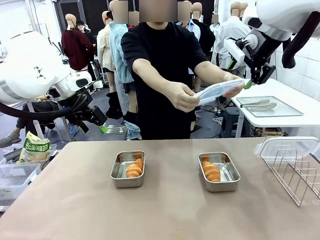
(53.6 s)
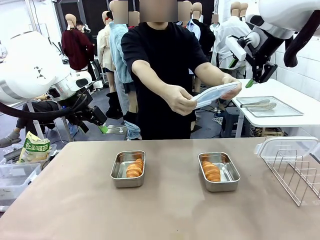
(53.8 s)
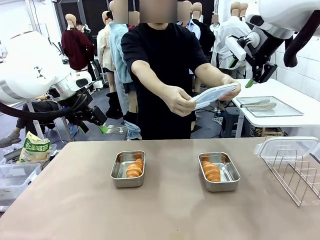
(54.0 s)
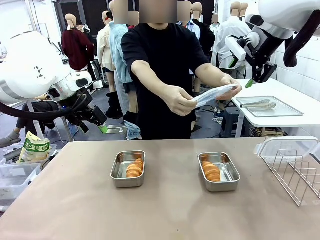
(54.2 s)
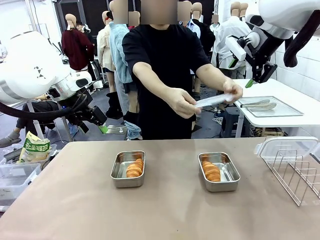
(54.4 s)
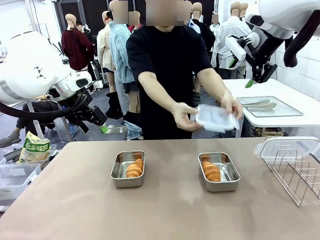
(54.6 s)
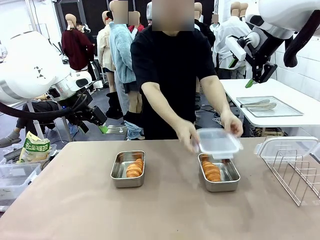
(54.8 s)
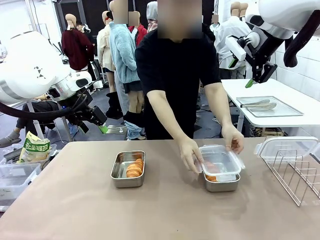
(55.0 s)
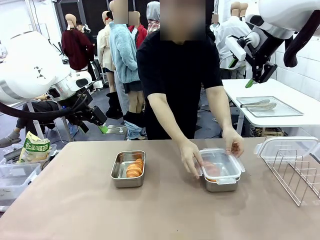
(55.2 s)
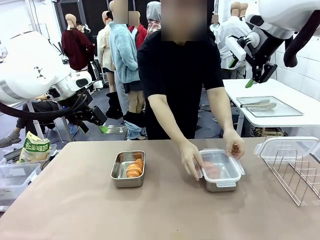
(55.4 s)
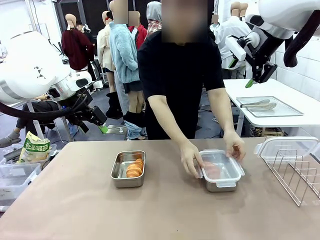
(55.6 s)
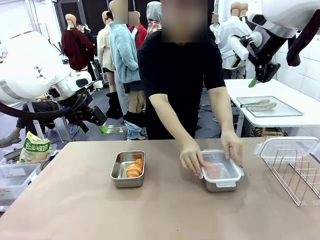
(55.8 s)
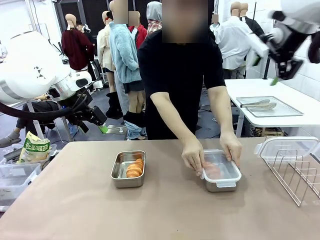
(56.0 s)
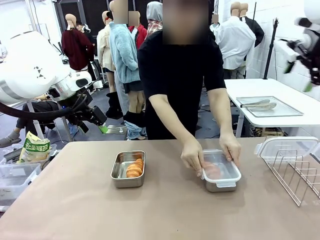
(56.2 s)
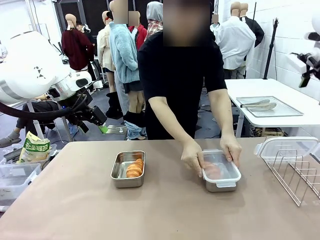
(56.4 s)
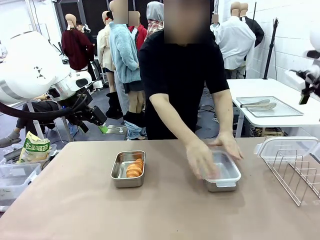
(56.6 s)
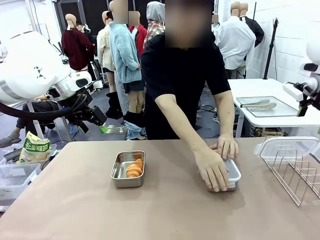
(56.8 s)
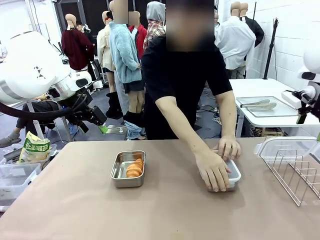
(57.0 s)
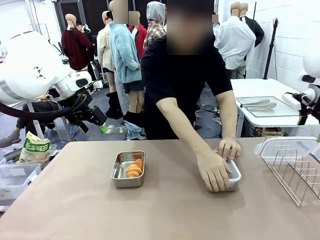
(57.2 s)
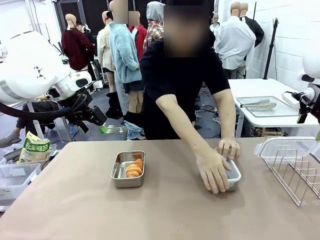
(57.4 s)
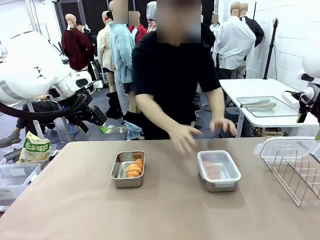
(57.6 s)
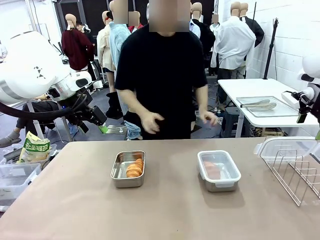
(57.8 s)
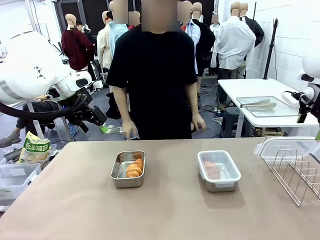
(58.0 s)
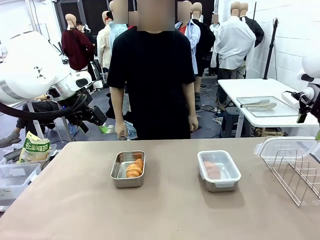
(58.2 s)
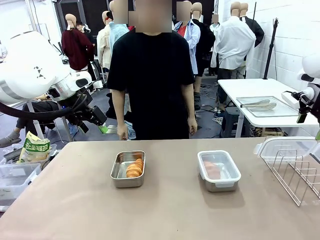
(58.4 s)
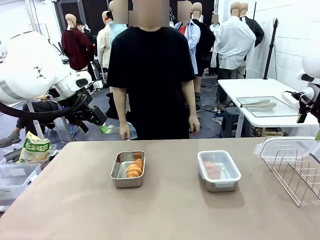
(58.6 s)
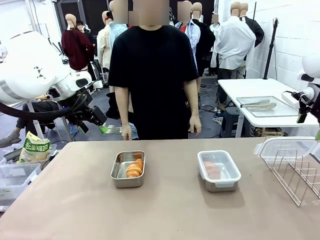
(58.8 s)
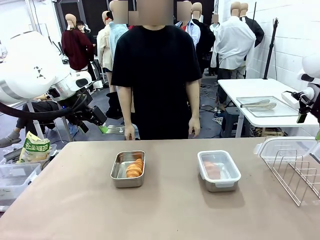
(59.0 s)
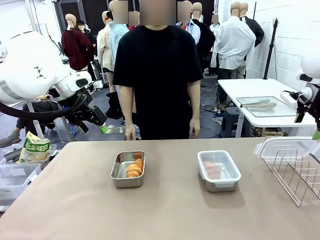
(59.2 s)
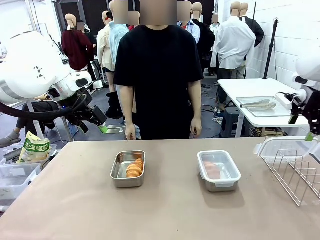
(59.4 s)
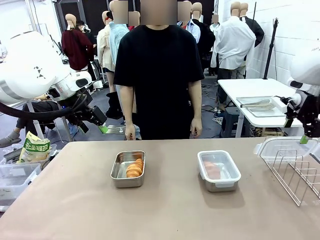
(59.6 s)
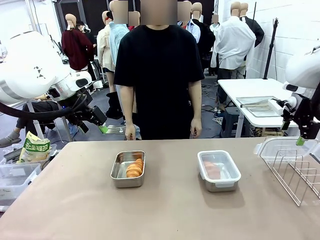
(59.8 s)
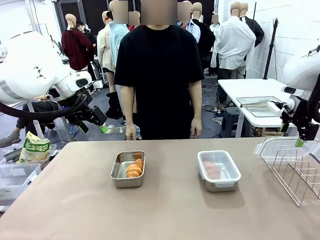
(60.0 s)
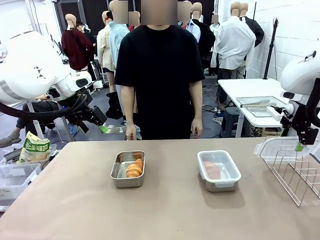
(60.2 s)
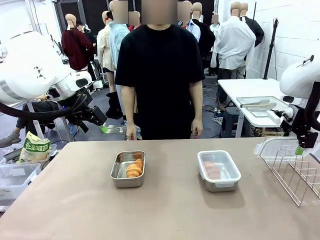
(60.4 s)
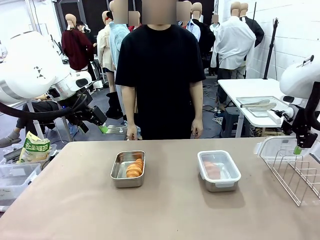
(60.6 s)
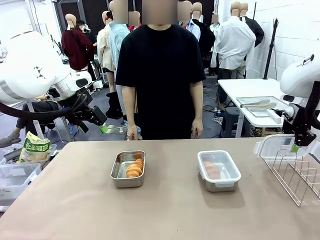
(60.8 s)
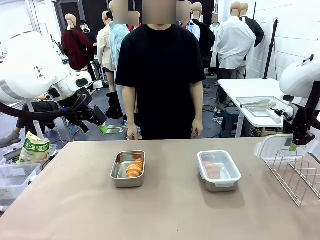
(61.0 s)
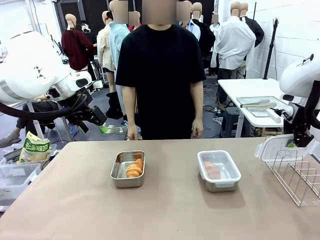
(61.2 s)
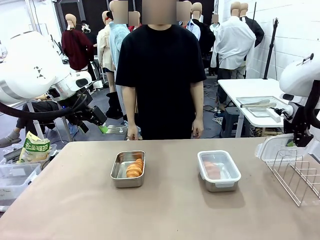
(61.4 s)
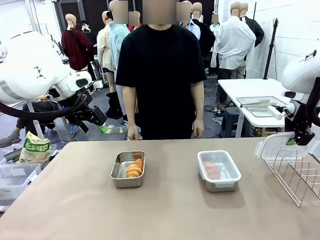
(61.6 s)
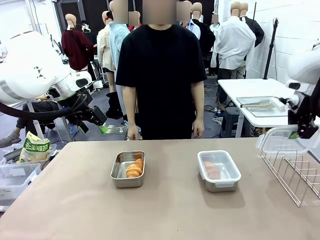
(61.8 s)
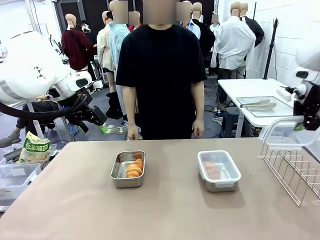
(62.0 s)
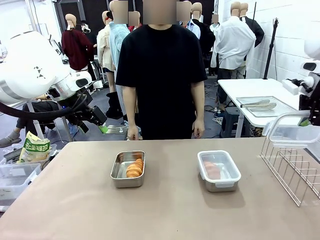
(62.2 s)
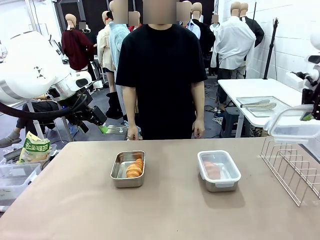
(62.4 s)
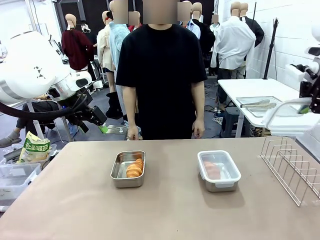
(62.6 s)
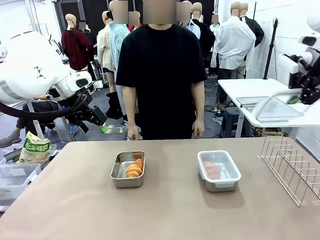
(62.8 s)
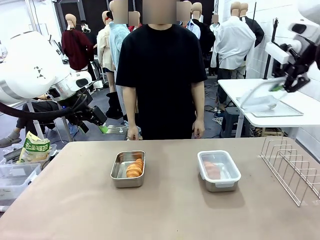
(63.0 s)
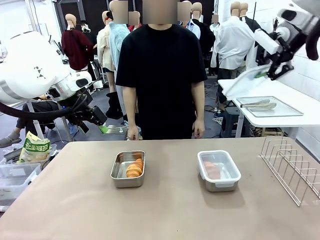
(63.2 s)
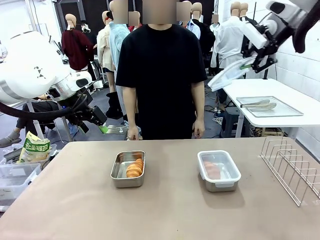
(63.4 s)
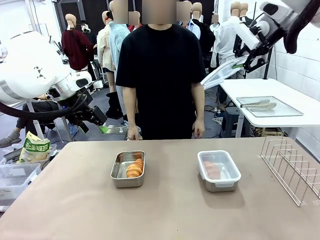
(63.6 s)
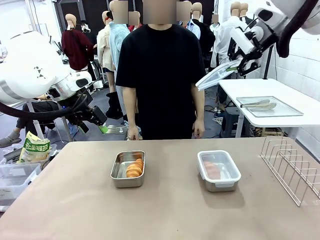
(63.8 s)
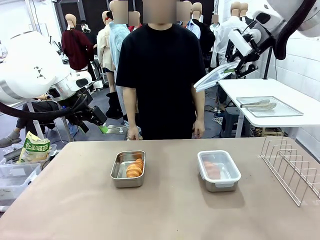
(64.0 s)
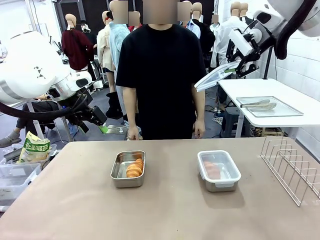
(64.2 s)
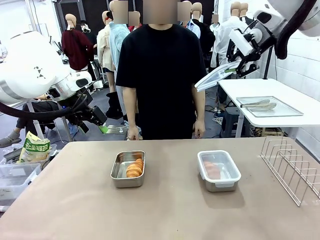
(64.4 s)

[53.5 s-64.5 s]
Task: Place the bread in airtight containers.
Robot: Pick up one Airtight Container lid and hand it to the human.
Person: Close Airtight Container with a handed Airtight Container lid. Grip Airtight Container lid that robot is handing.

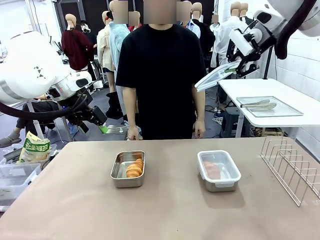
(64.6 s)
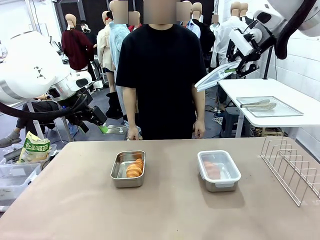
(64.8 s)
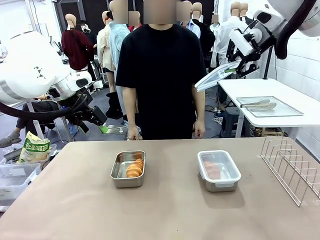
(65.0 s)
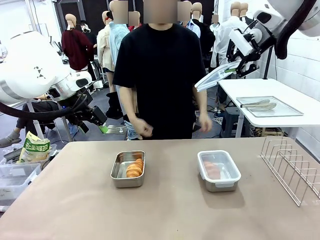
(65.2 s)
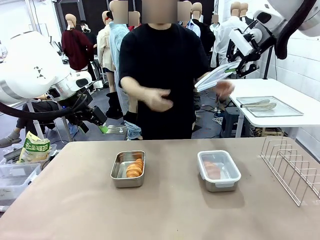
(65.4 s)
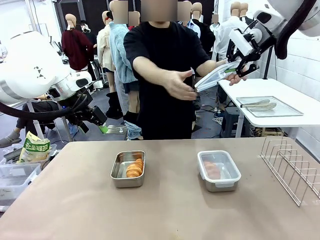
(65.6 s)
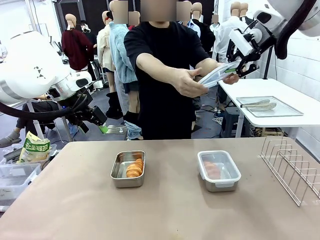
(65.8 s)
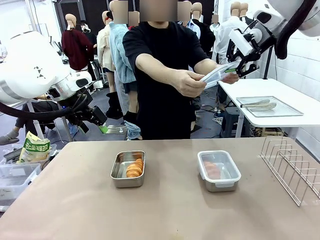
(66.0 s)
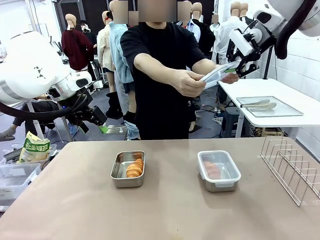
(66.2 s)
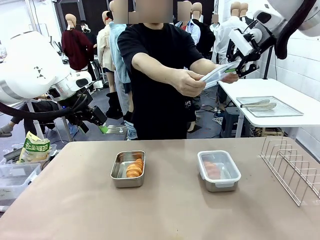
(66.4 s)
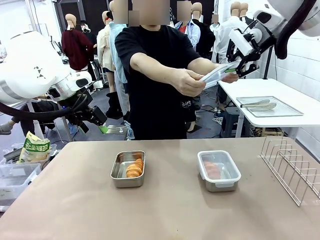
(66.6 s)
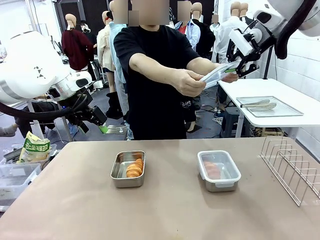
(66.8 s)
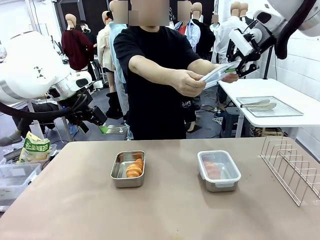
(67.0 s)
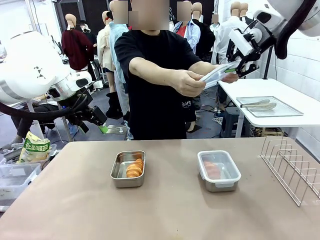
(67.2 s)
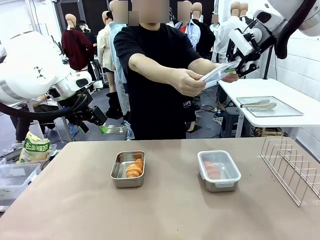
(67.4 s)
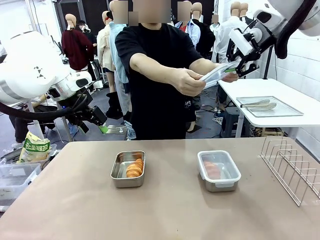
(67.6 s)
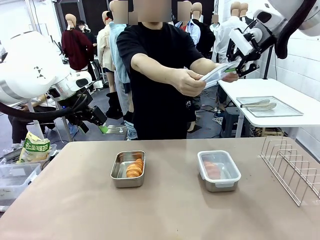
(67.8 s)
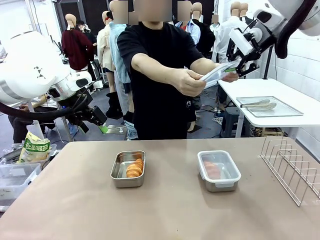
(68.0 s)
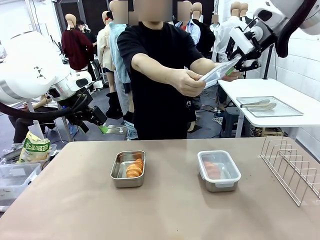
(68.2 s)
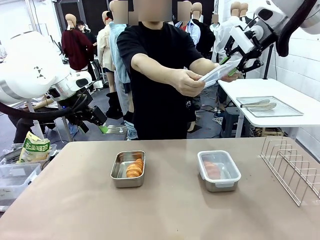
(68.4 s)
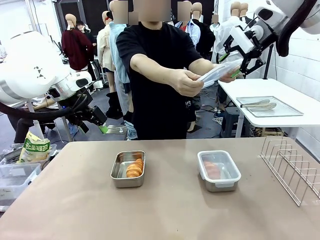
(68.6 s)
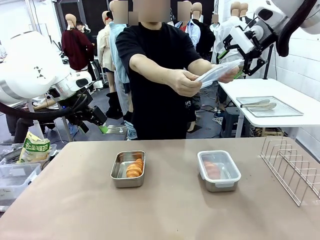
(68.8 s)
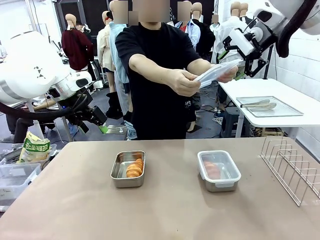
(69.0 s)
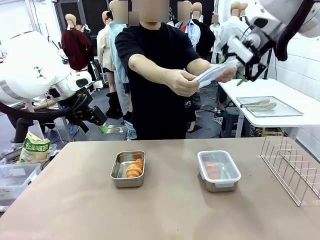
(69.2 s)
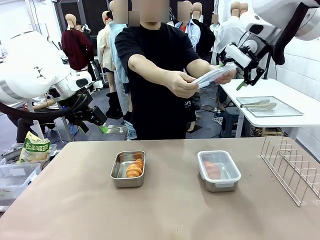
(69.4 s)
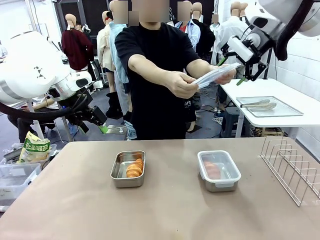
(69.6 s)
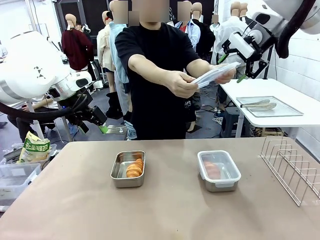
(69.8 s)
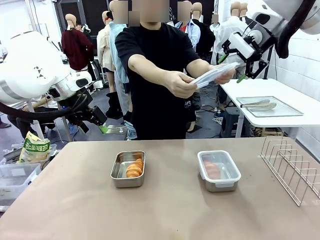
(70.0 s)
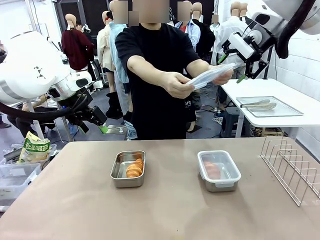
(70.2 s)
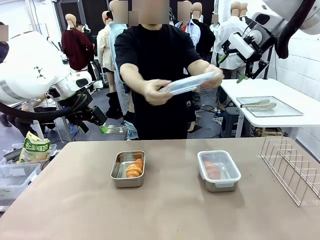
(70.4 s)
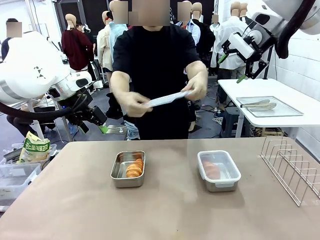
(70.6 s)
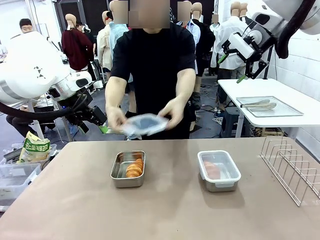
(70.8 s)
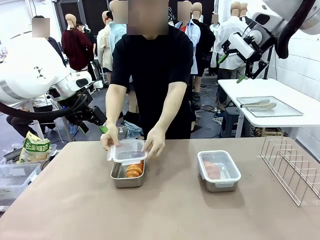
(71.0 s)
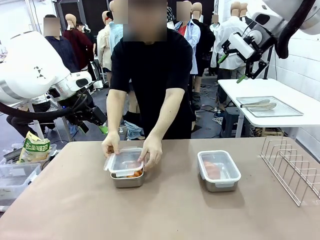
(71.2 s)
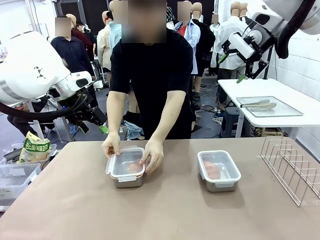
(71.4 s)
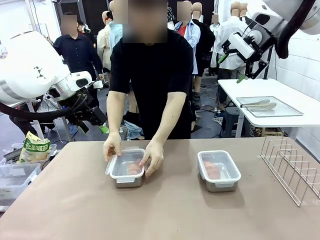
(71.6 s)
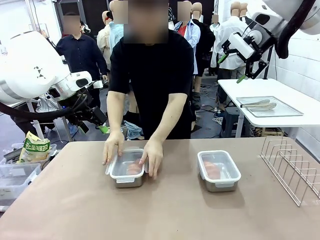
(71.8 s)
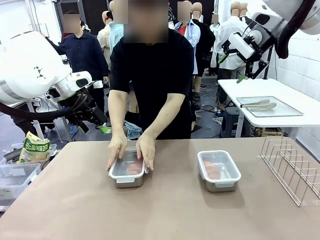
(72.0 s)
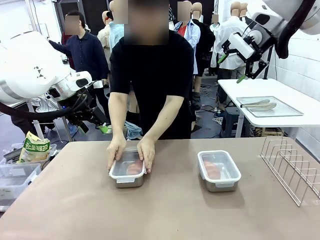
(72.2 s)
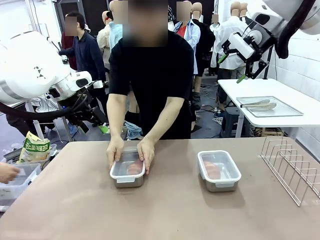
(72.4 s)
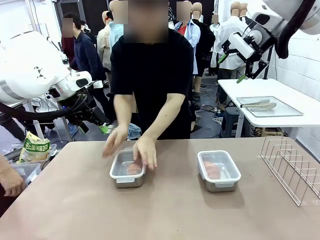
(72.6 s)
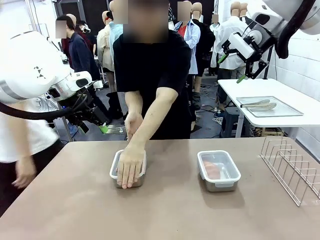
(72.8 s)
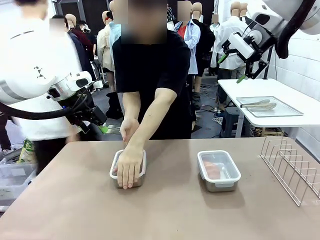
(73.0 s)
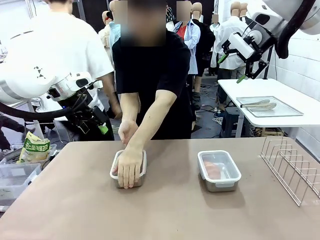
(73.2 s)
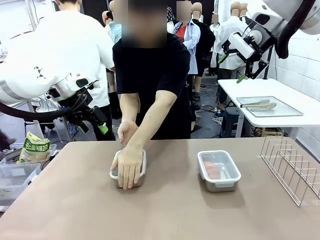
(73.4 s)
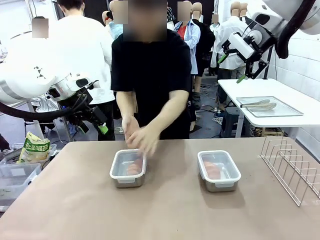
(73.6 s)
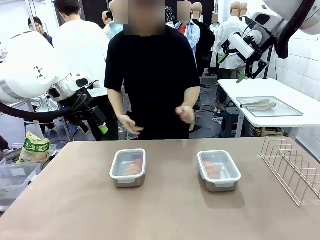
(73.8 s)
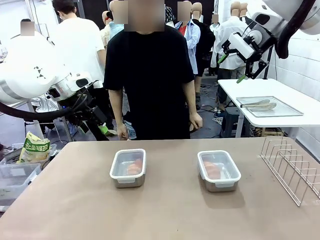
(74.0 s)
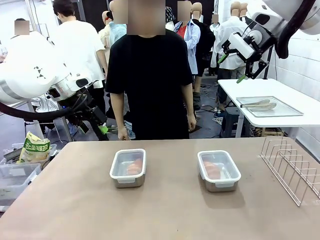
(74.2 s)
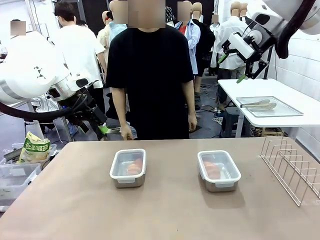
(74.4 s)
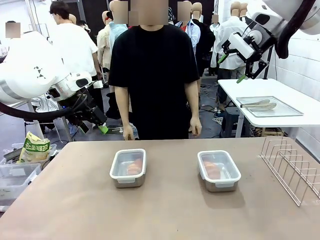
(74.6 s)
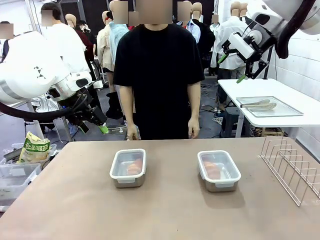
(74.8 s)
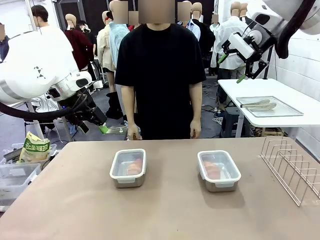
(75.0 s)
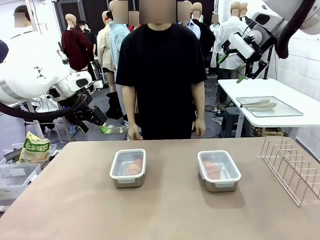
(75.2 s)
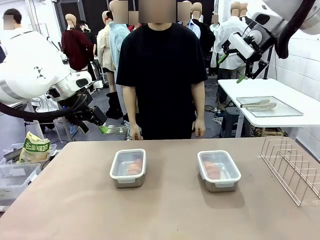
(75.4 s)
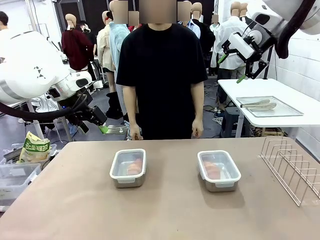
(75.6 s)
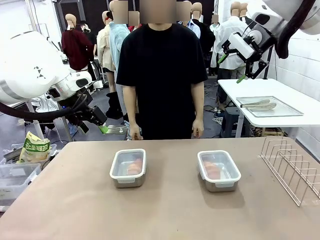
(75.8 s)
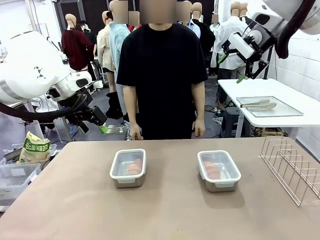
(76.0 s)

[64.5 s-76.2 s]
Robot: Release when the human grabs the Airtight Container lid.
Person: Close Airtight Container with a handed Airtight Container lid.
